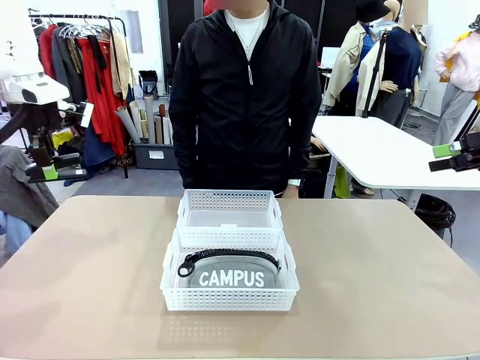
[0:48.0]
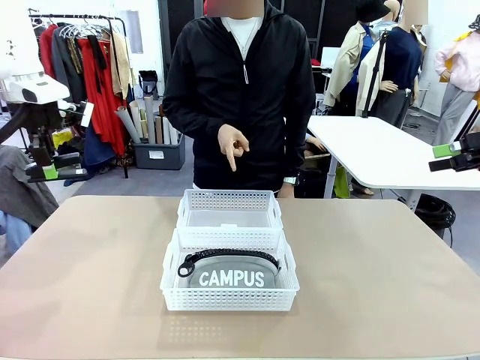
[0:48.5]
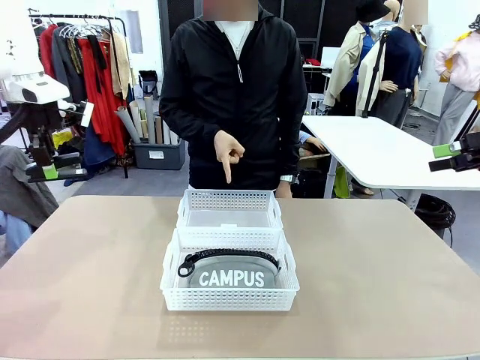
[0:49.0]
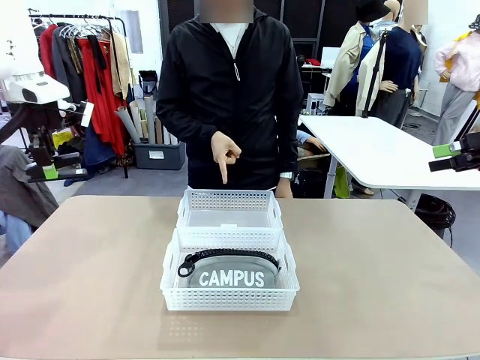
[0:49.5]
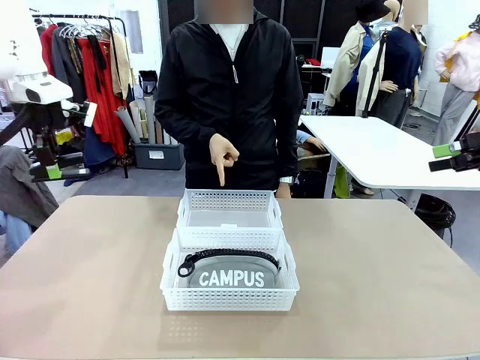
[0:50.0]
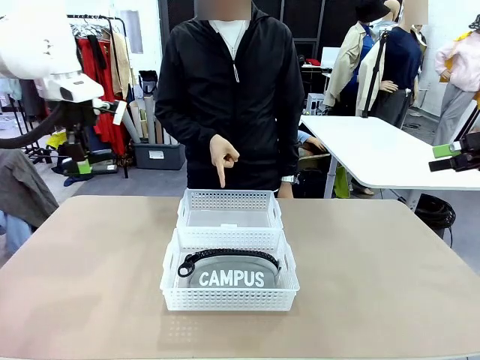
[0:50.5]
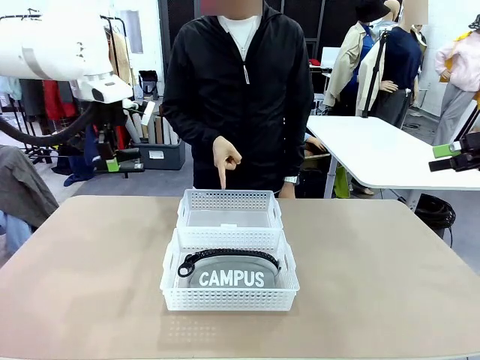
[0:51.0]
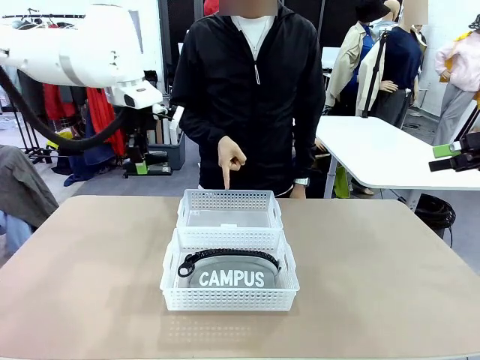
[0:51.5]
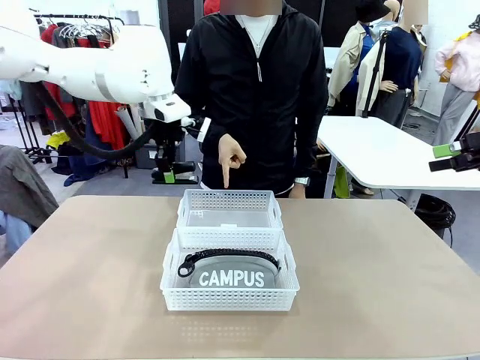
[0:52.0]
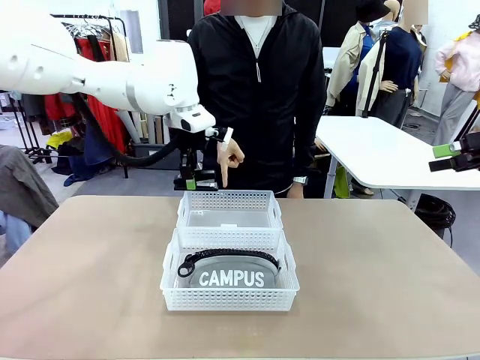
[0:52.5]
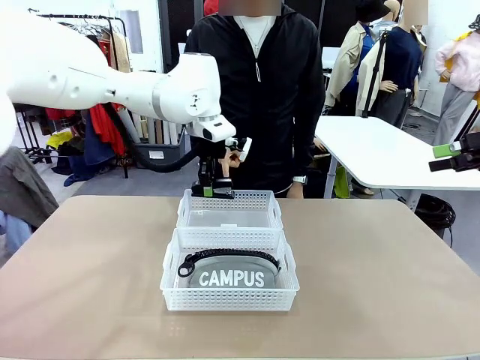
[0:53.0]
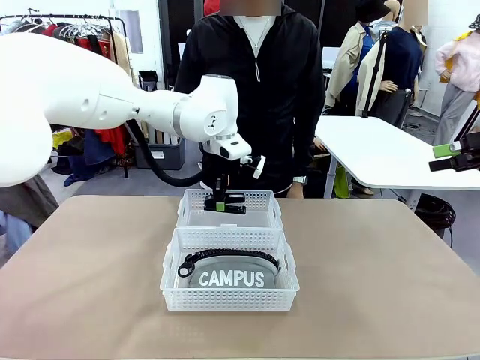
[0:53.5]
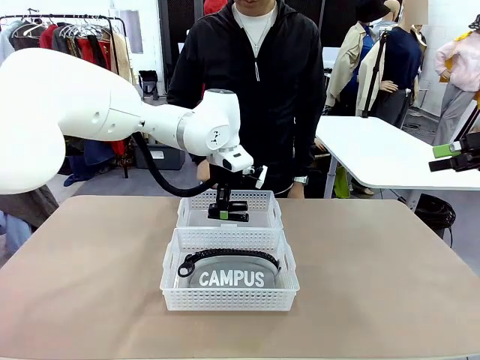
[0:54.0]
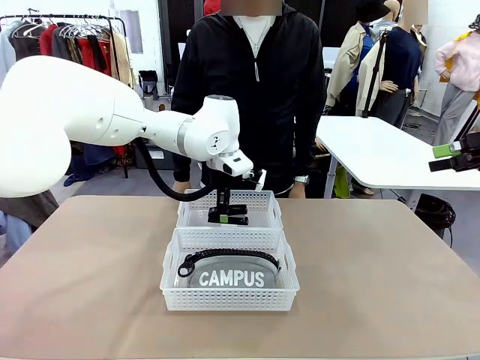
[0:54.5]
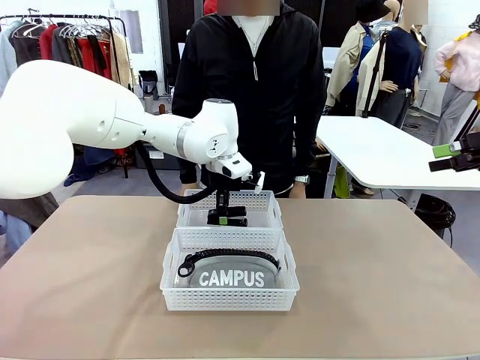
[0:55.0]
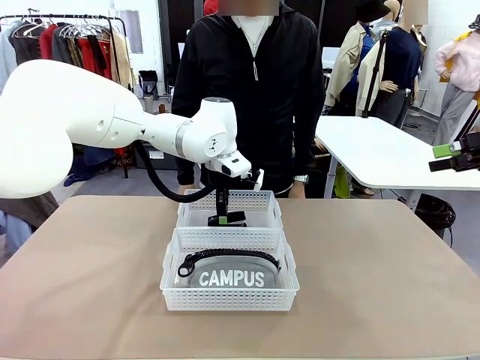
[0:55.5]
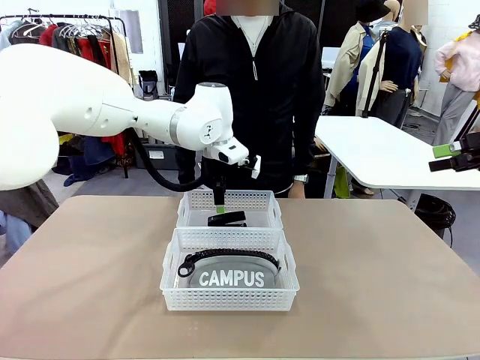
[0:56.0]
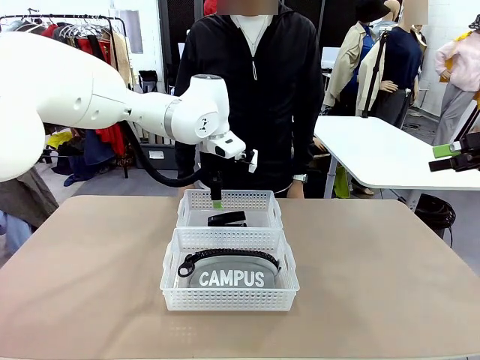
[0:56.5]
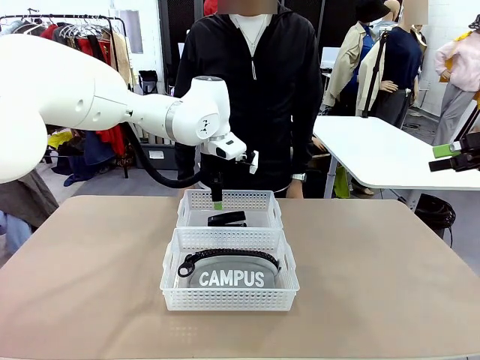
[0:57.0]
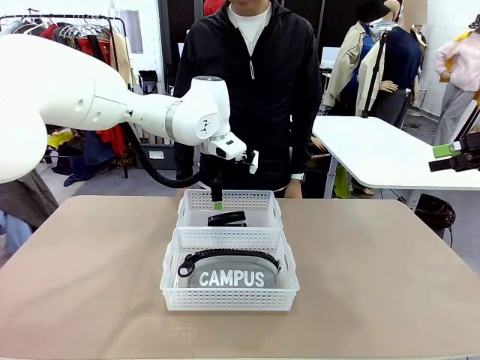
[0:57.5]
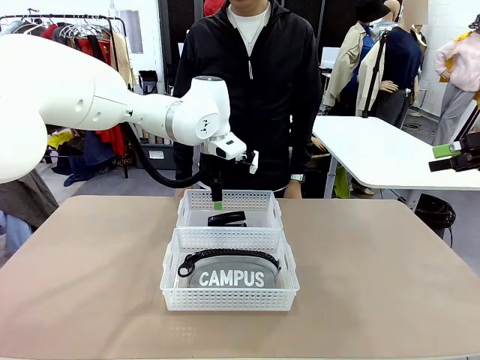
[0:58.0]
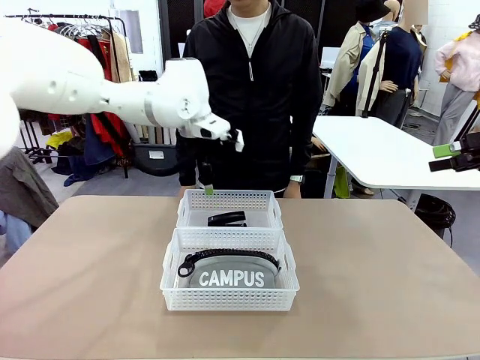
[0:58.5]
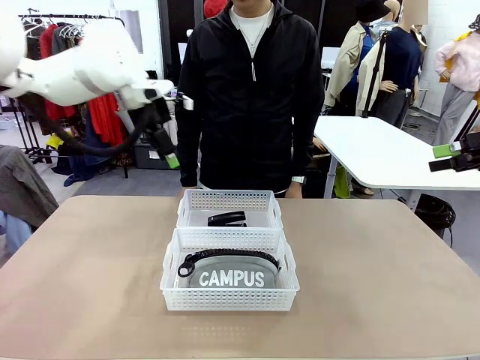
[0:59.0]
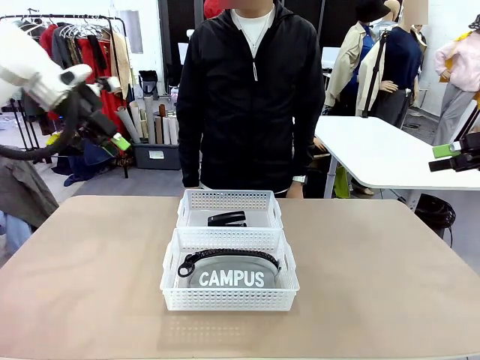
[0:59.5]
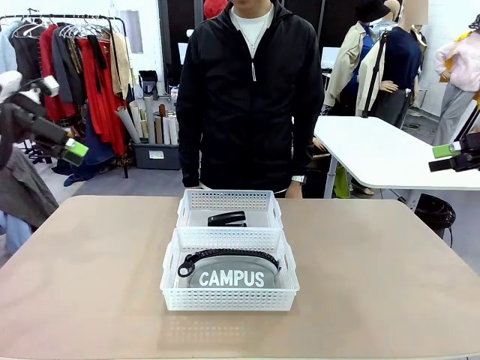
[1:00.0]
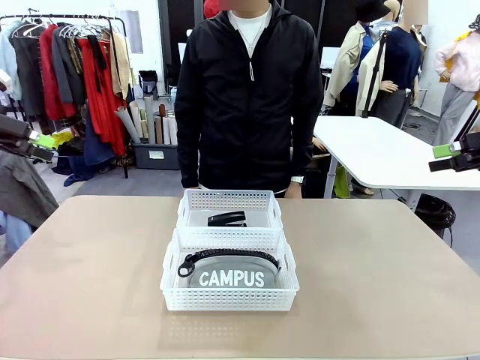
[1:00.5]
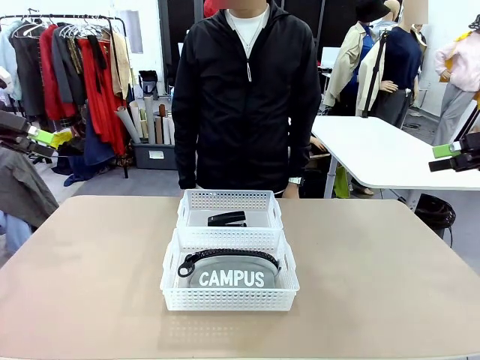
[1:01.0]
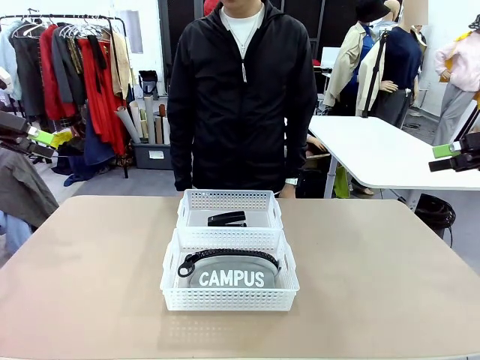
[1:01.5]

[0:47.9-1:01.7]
Task: Distribute items into two baskets.
Robot: Place the picked Stapler into the Organizing basket as instructed by the person.
Person: Points to the basket that does not contain the pencil case and instructs the robot to move the stapler there.

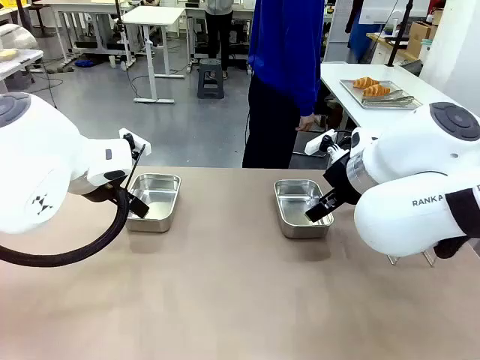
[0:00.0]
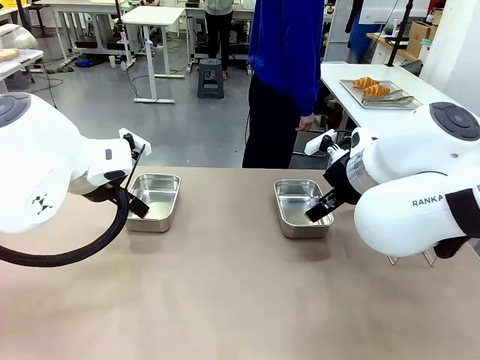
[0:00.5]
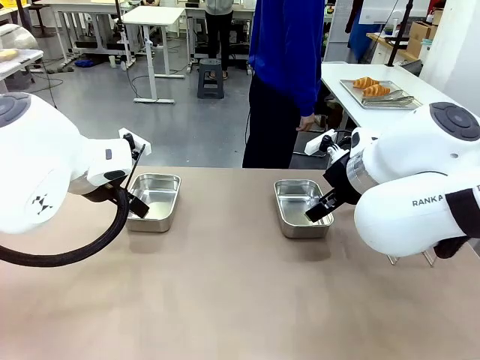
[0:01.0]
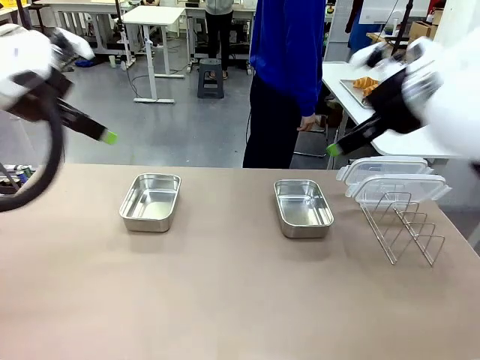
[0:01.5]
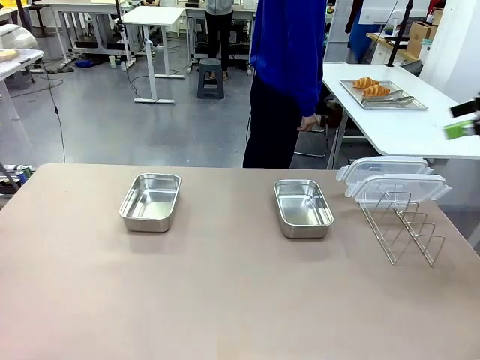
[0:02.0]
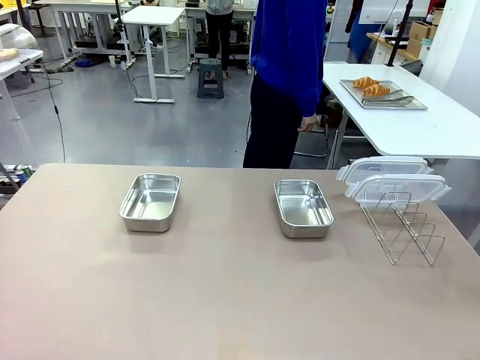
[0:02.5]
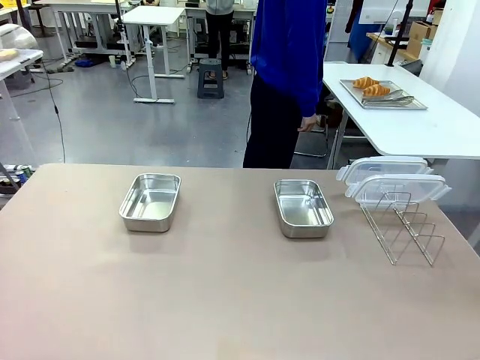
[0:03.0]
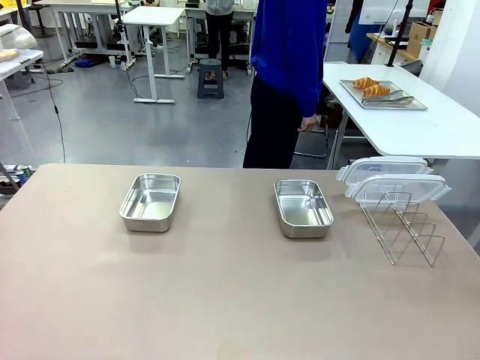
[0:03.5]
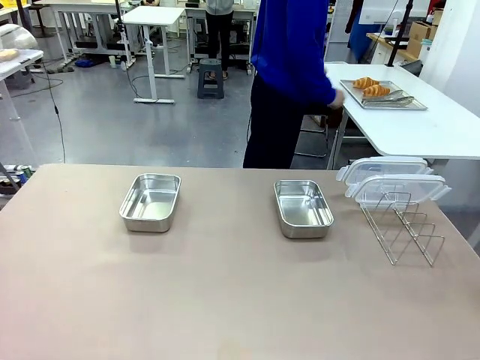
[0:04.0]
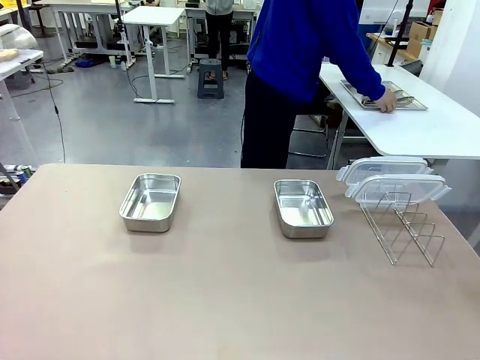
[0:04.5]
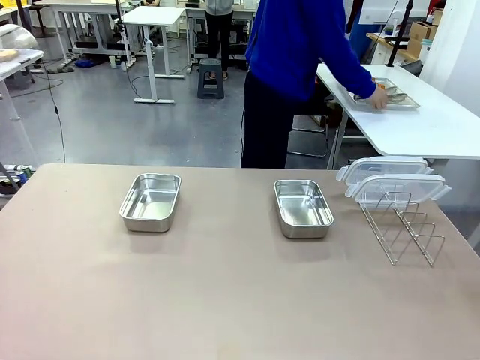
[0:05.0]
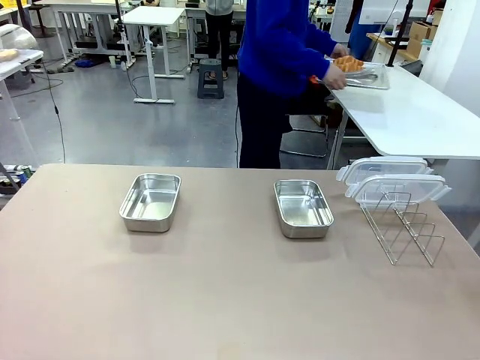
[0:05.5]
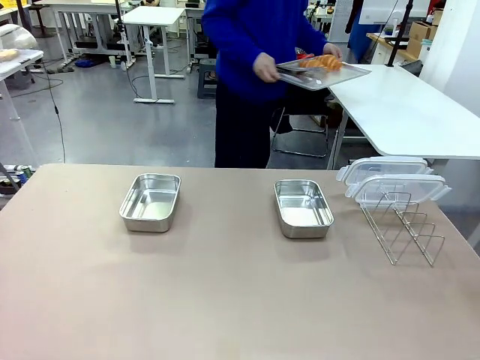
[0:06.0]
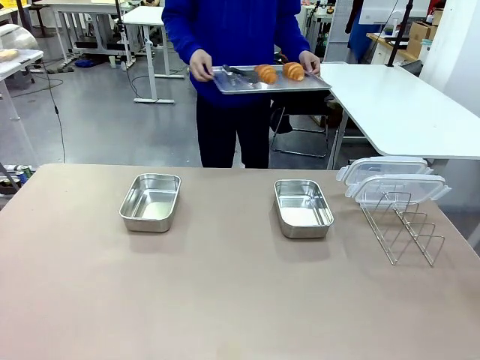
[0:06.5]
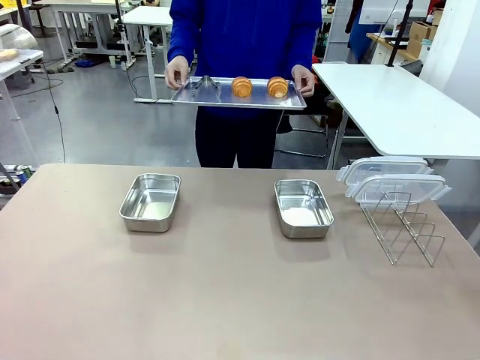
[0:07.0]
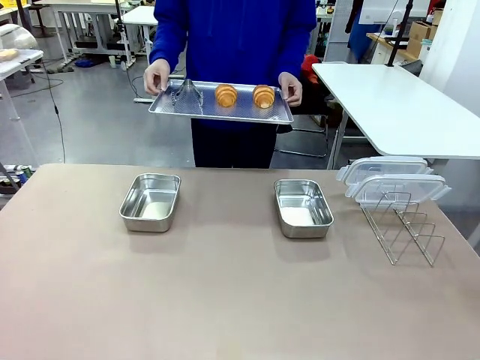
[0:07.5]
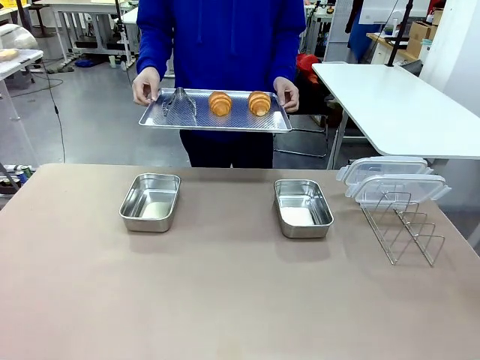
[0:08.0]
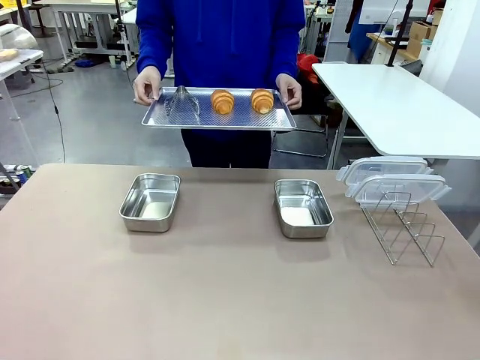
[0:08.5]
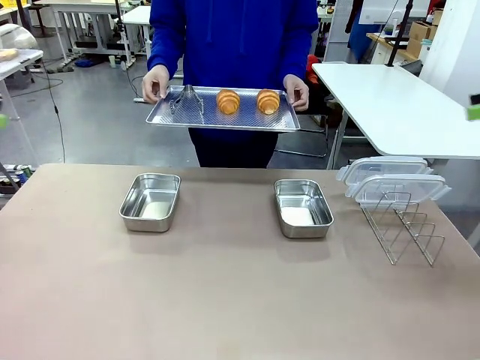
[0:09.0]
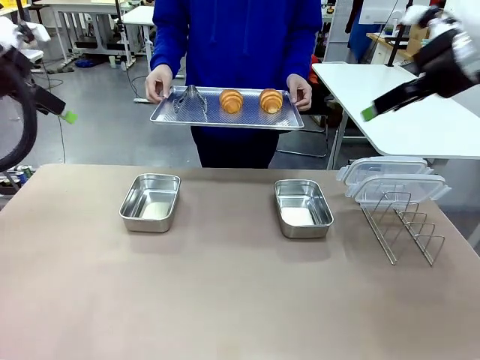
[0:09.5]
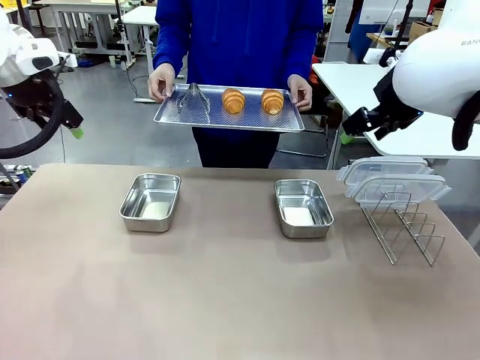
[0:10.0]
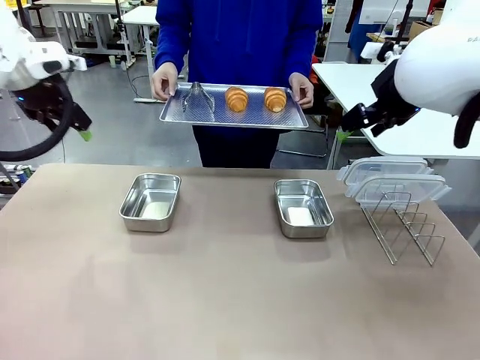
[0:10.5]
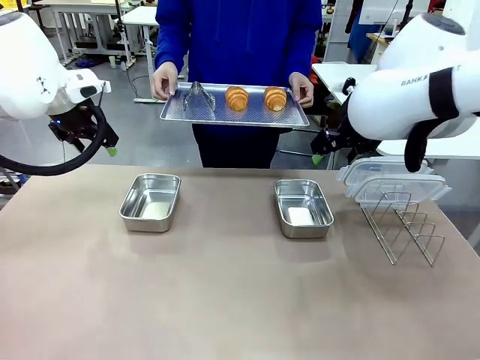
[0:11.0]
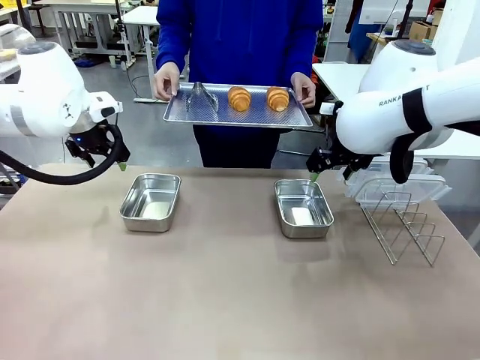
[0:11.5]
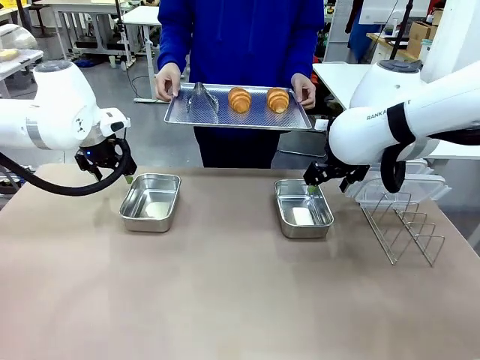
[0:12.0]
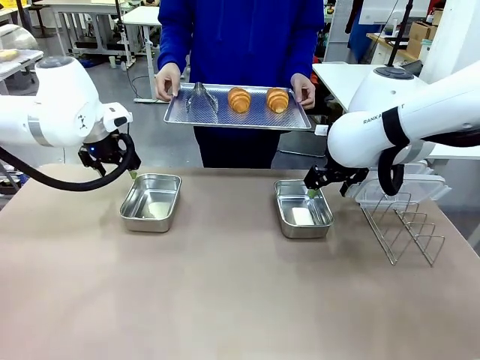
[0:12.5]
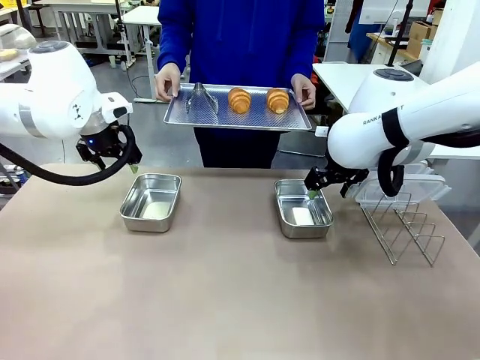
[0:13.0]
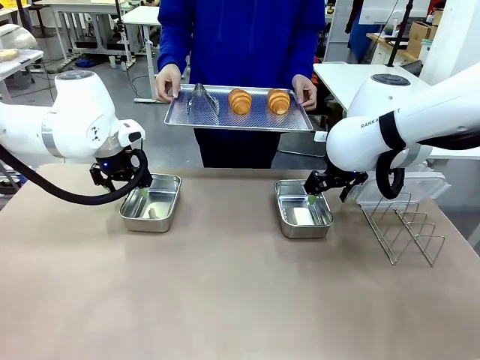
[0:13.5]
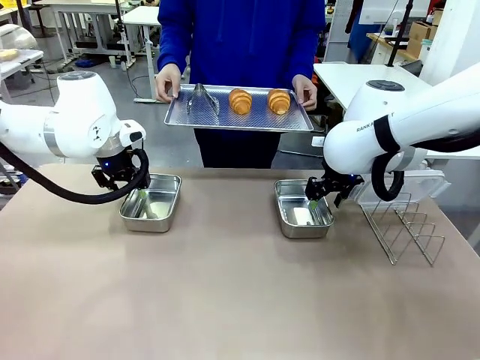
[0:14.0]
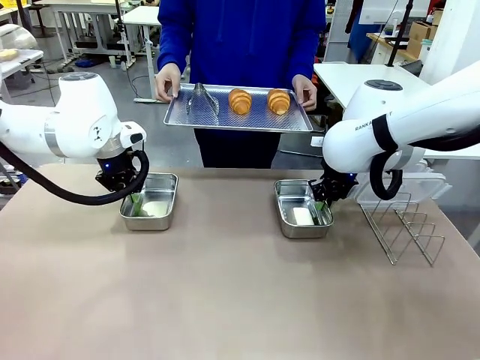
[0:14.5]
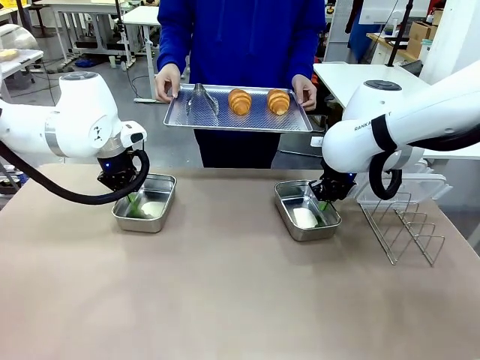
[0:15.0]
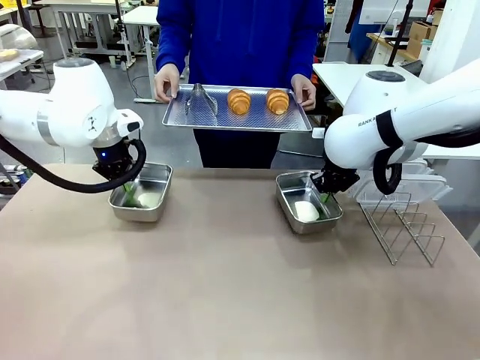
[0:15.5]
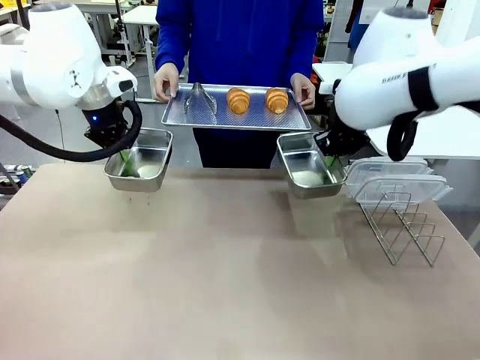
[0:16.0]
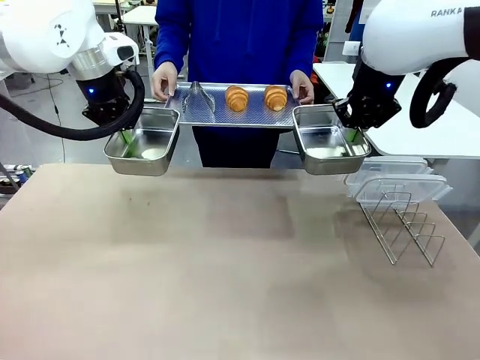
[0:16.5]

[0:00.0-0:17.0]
Task: Place the bread in airtight containers.
Robot: Lift both Airtight Container.
Person: Bring the Baking Sheet in front of Robot's Table.
